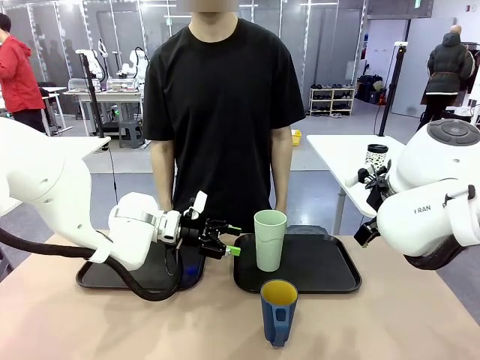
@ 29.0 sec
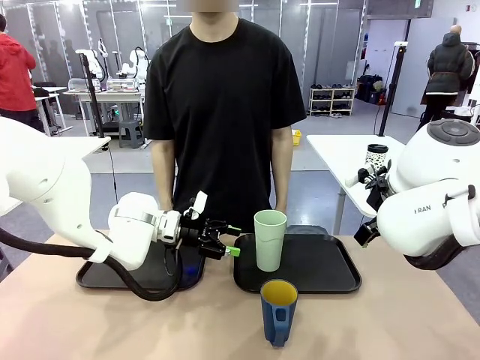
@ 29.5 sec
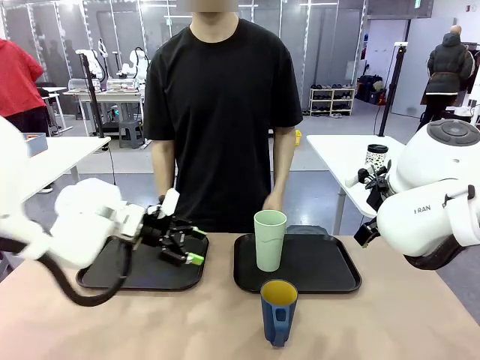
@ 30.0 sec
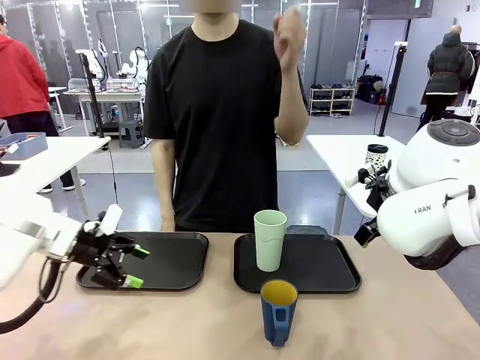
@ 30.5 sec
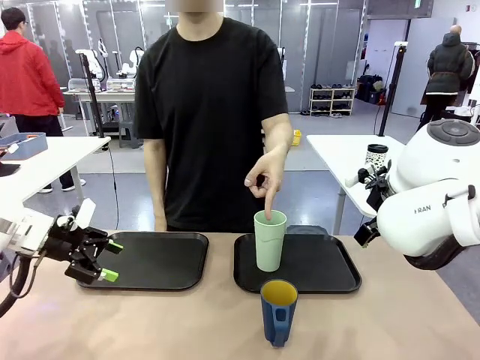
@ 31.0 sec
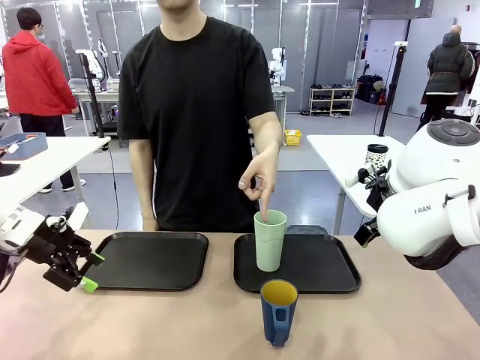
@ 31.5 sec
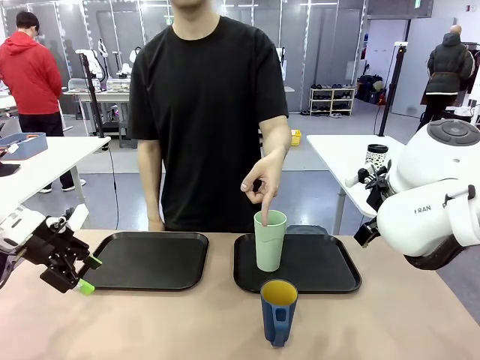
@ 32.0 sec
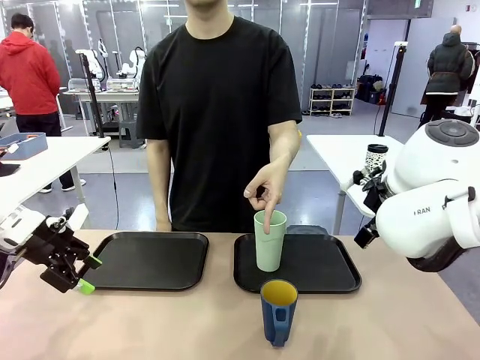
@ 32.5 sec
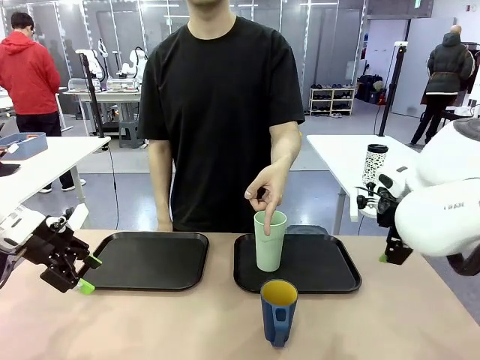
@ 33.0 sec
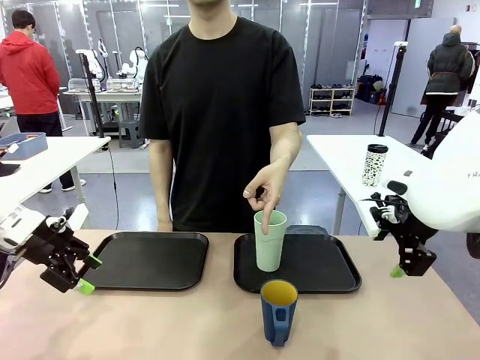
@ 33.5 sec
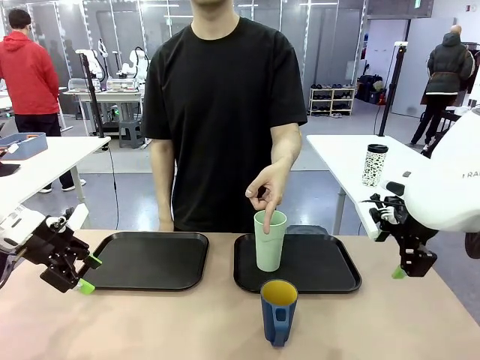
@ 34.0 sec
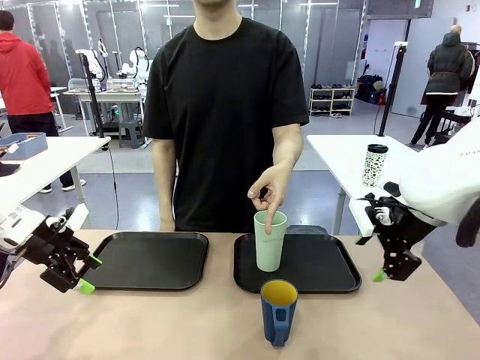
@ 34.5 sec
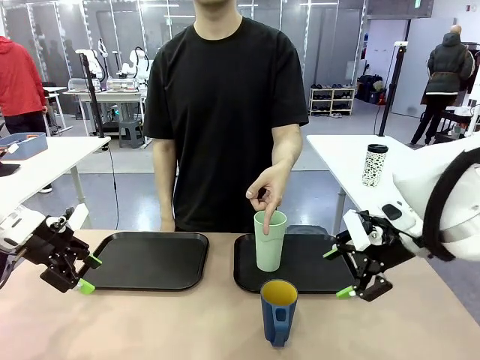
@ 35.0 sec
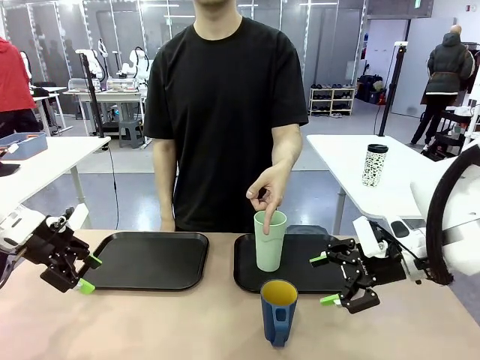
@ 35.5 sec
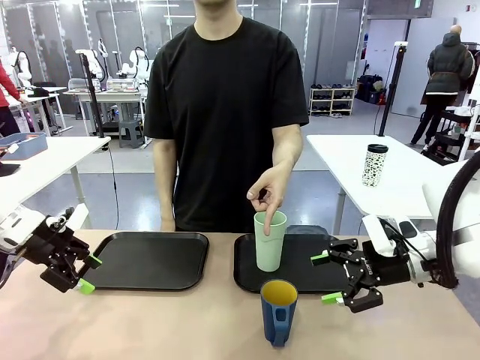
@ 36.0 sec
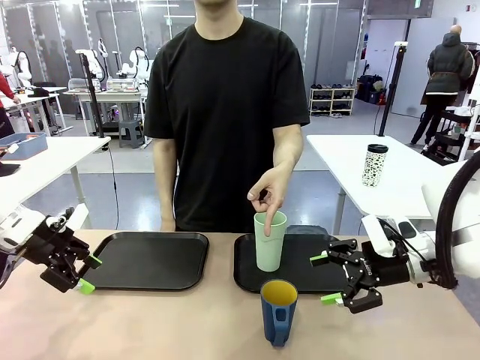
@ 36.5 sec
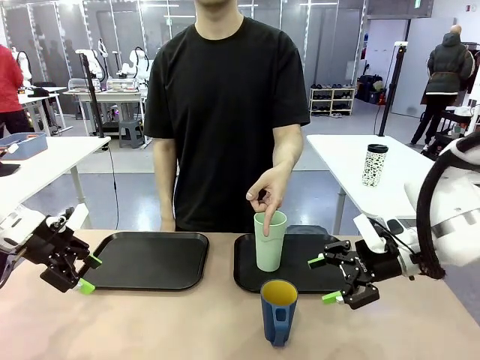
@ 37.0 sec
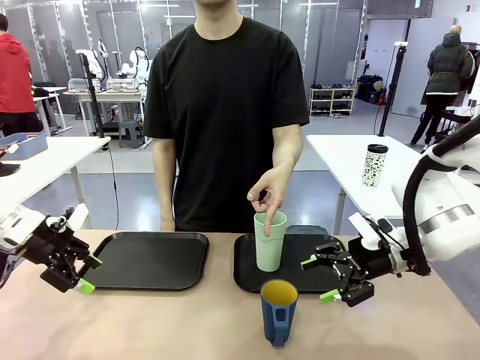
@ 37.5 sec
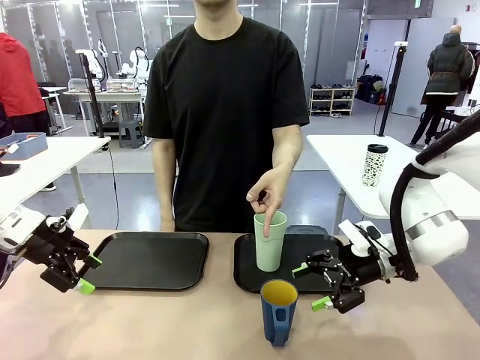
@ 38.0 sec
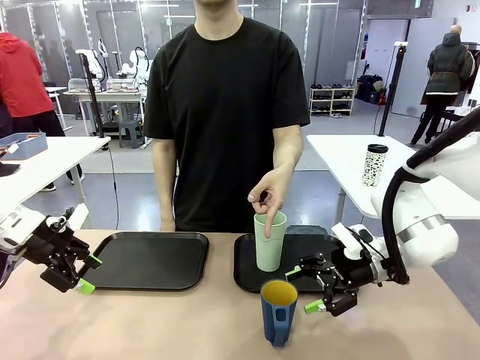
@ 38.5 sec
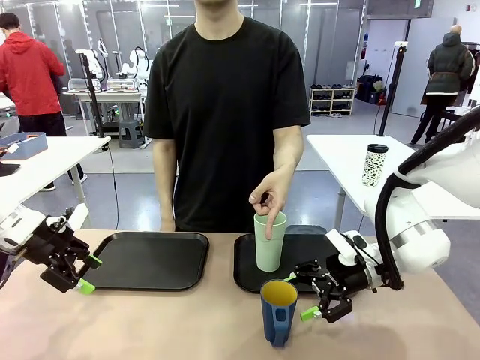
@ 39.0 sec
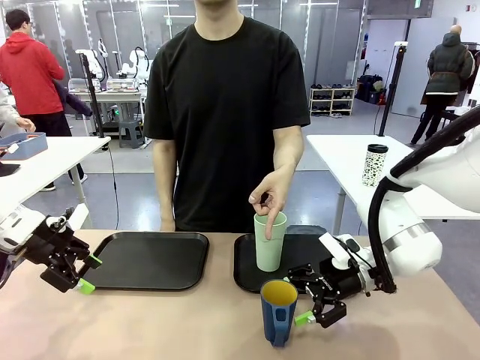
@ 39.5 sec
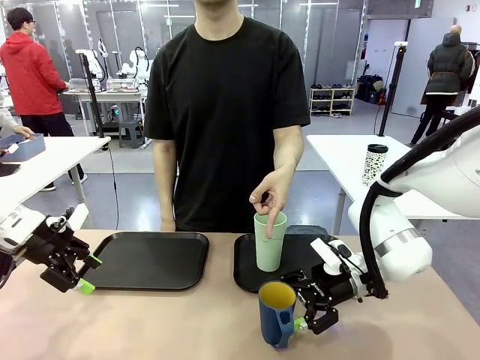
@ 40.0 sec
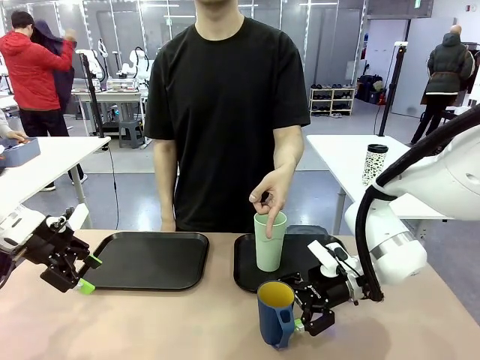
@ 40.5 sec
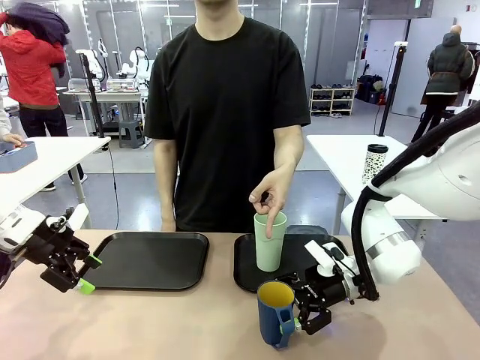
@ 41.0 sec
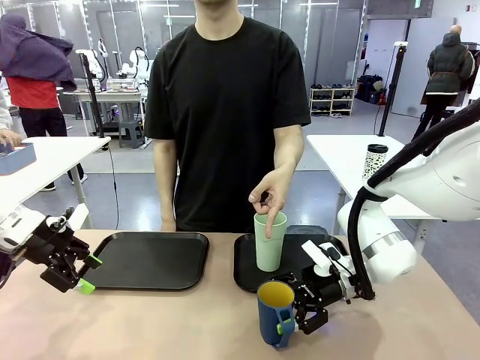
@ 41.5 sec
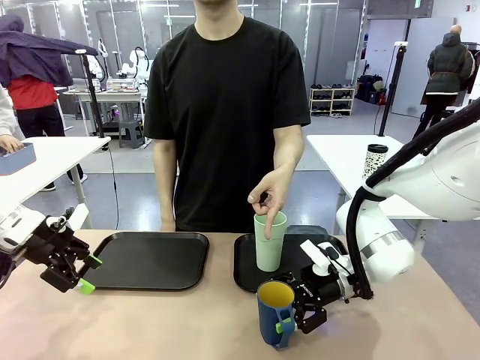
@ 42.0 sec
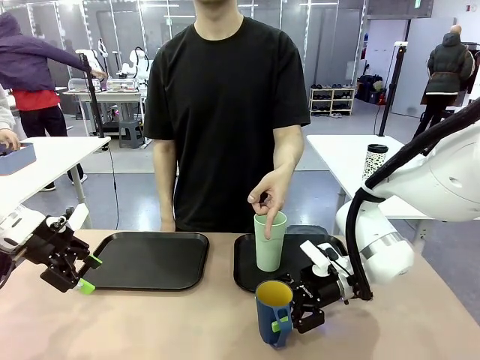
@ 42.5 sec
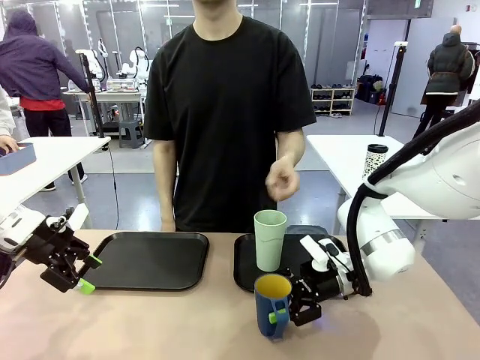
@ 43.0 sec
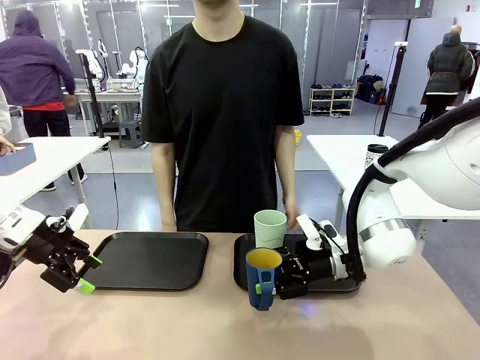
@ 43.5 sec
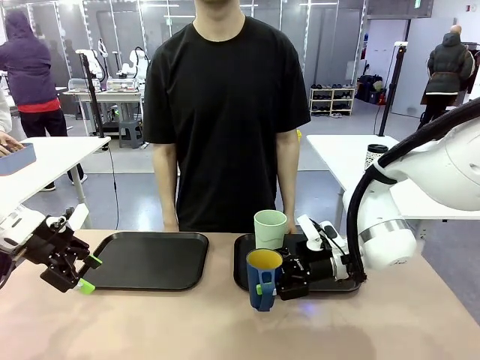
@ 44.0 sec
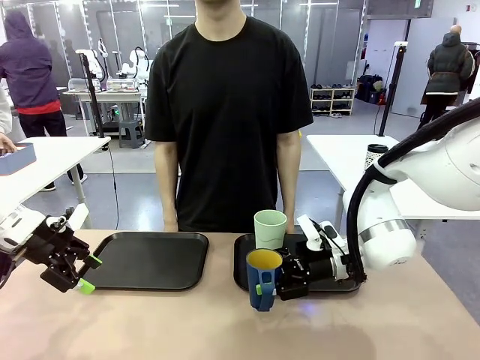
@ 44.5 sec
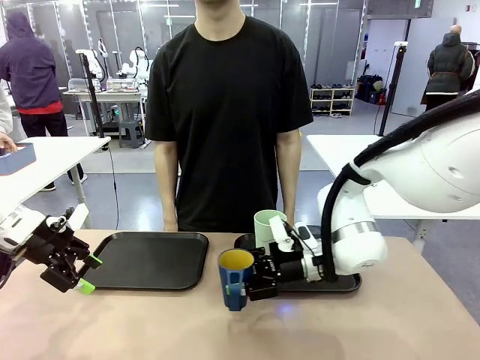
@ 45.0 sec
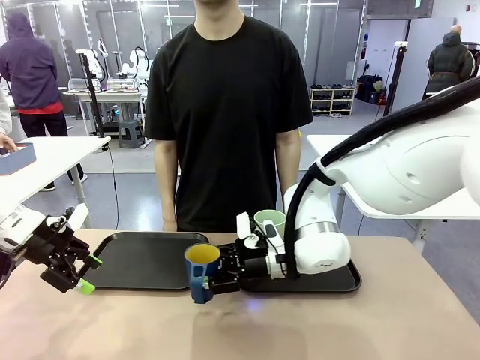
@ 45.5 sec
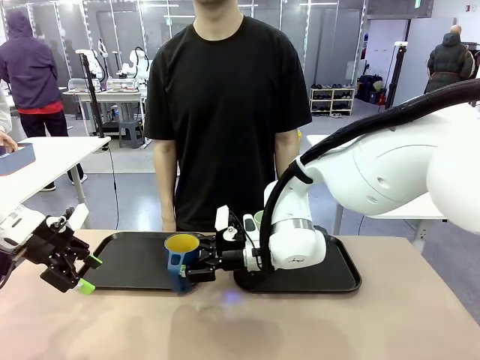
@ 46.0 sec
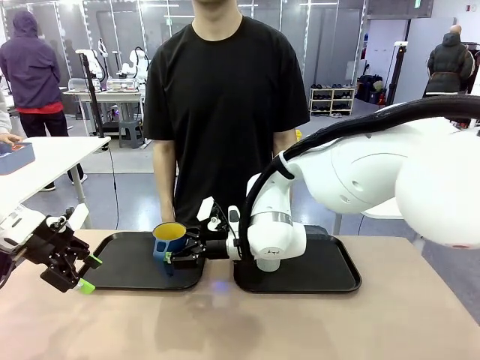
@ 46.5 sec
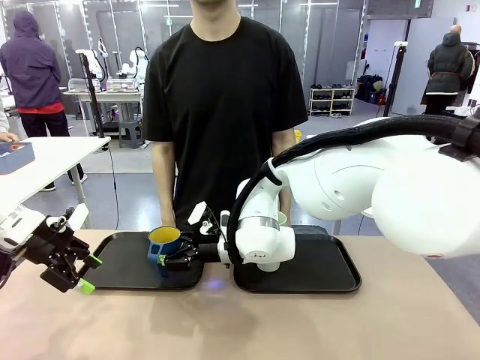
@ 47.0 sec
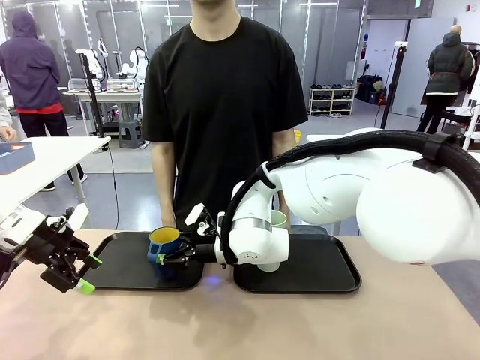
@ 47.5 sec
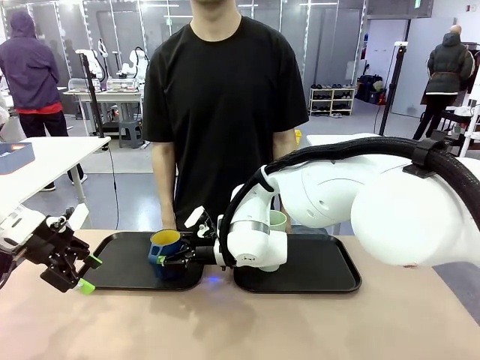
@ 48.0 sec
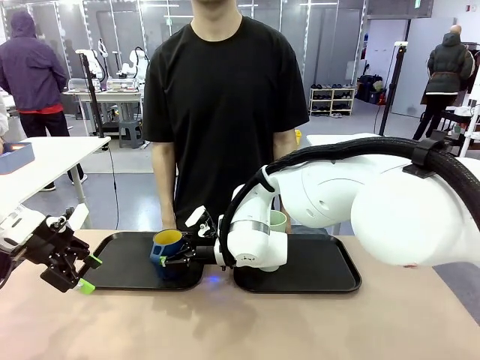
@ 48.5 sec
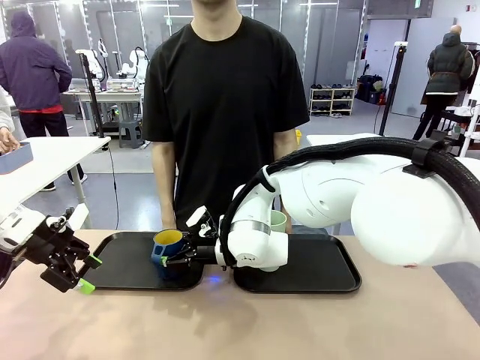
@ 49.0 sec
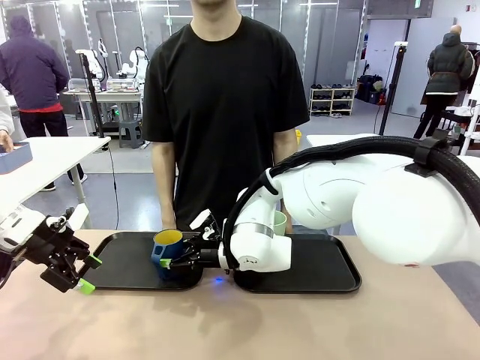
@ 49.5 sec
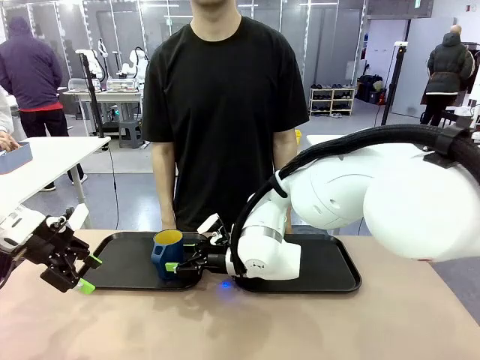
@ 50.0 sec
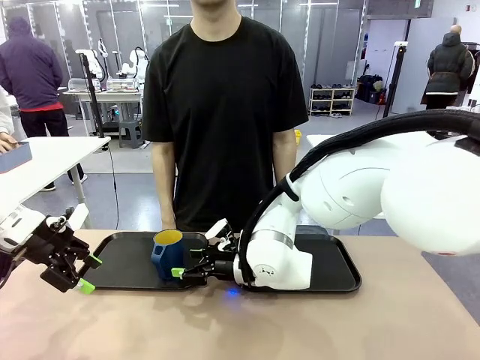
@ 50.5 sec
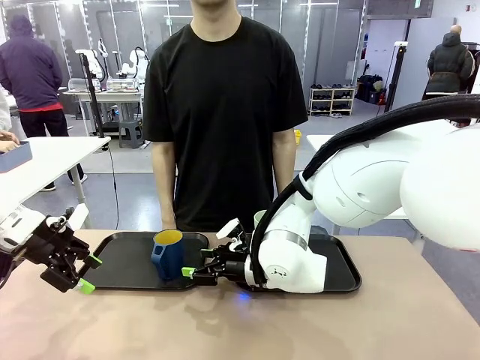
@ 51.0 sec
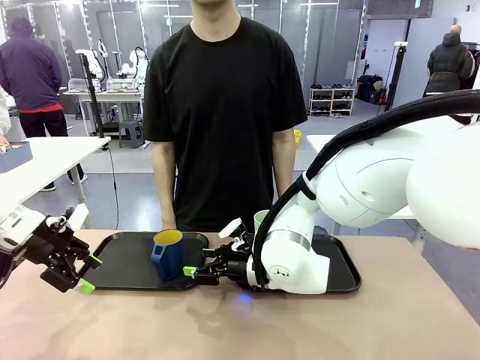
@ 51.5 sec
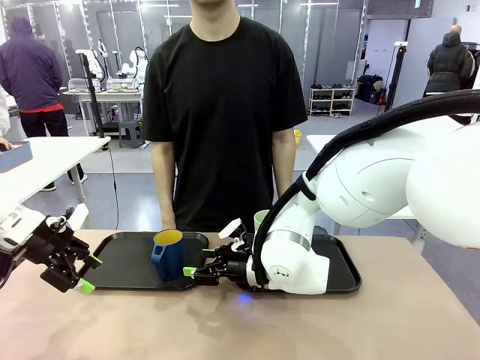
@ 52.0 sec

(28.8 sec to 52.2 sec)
Task: Sort and store the cups by type.
Robot: Pick up the Handle plastic cup and place it into the empty Flat Tray.
Person: Points to the cup with a handle.

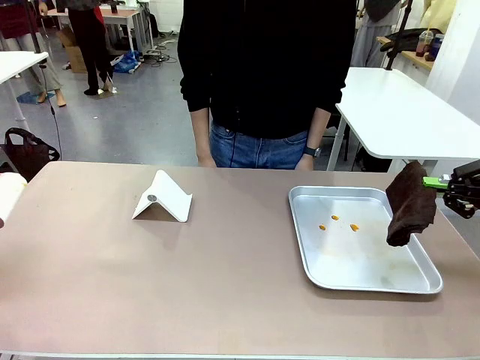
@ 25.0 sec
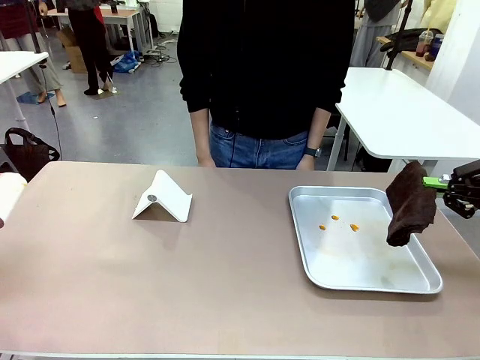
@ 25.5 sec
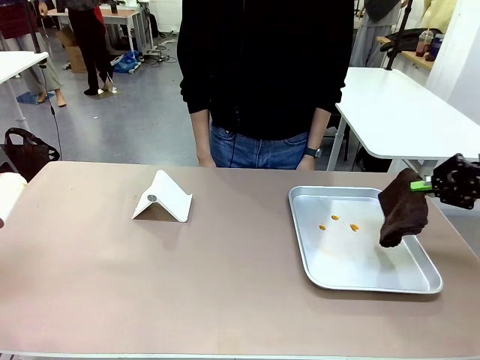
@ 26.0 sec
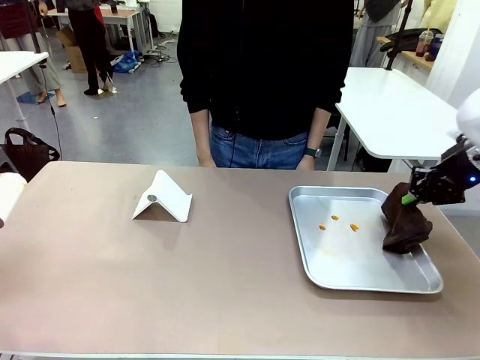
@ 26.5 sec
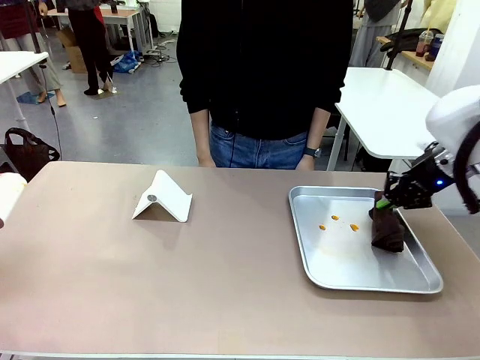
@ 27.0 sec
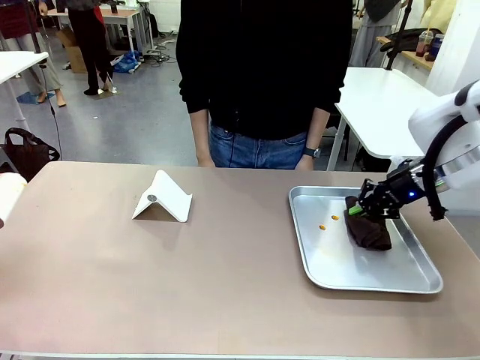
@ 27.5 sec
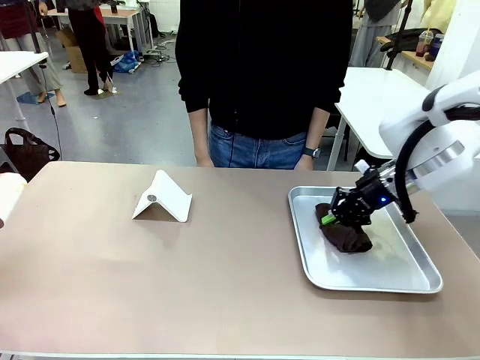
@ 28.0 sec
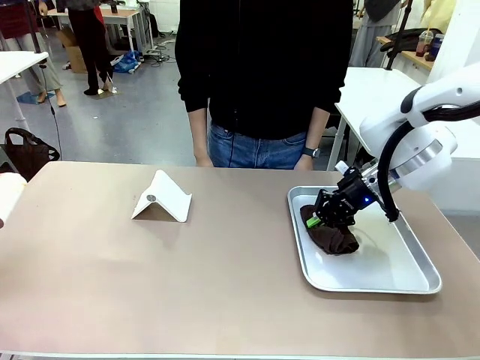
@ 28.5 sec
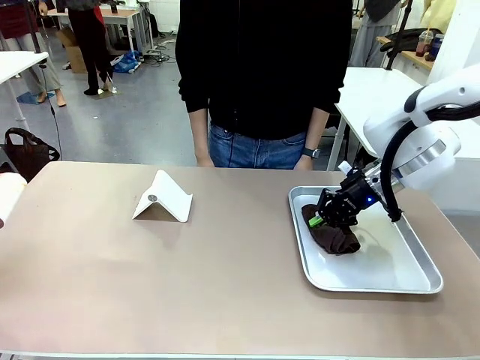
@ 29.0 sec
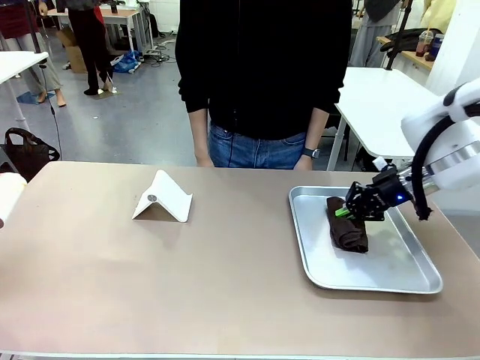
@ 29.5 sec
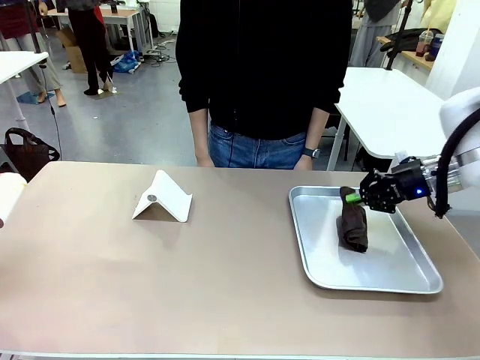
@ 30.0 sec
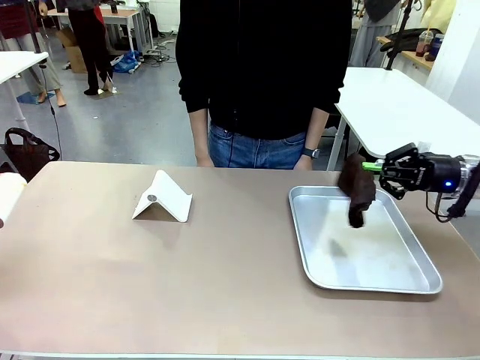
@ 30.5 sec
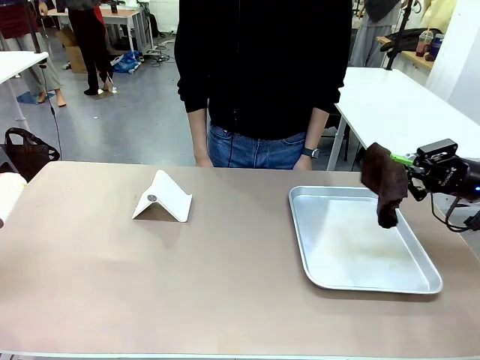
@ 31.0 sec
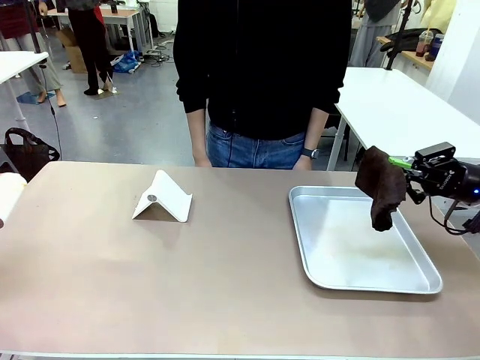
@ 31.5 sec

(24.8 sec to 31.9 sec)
Task: Clean the surface of the table.
Robot: Clean the area not pointed to by the person.
